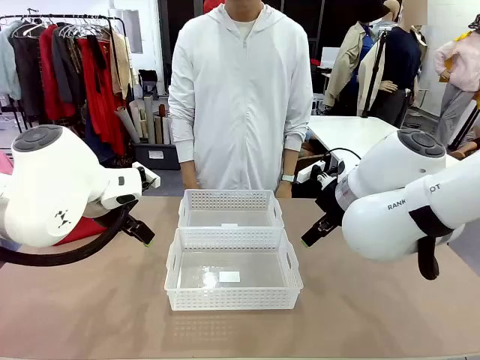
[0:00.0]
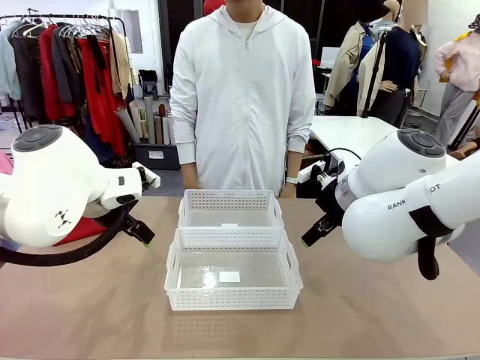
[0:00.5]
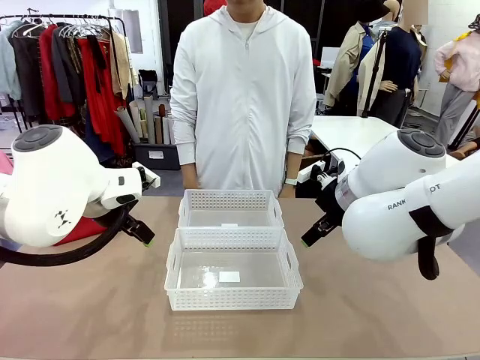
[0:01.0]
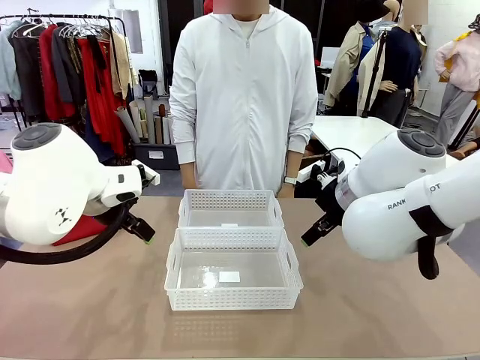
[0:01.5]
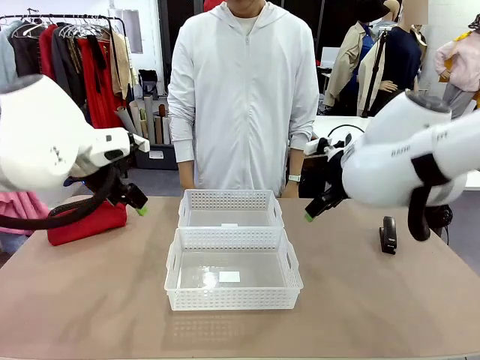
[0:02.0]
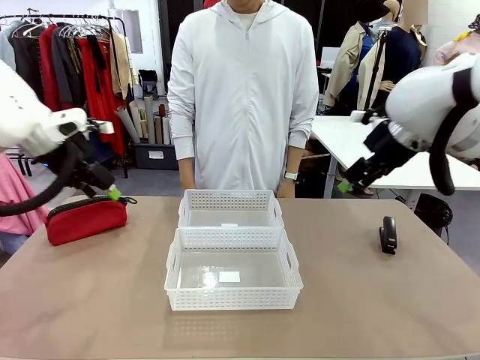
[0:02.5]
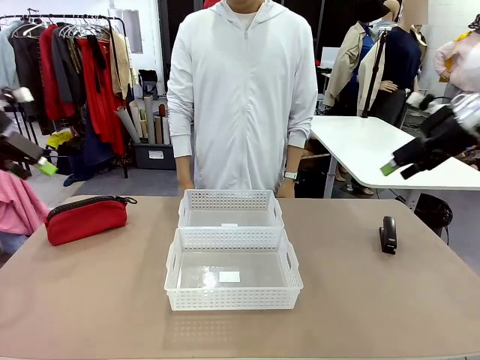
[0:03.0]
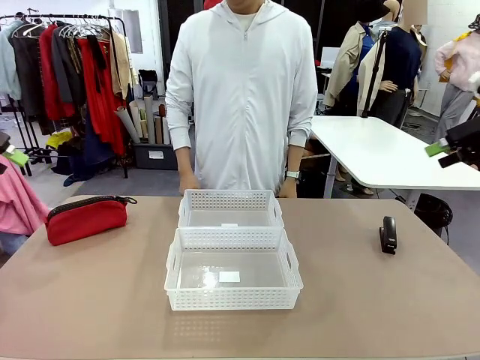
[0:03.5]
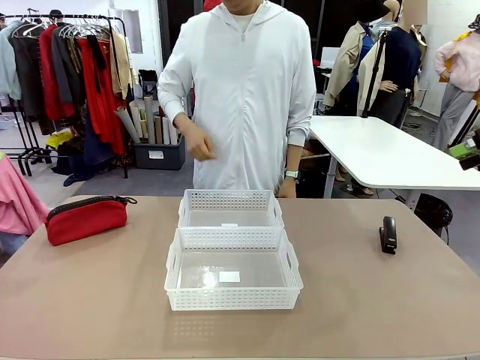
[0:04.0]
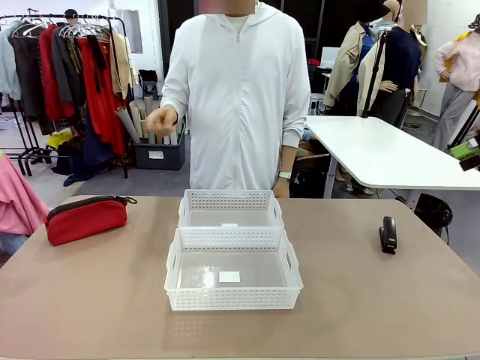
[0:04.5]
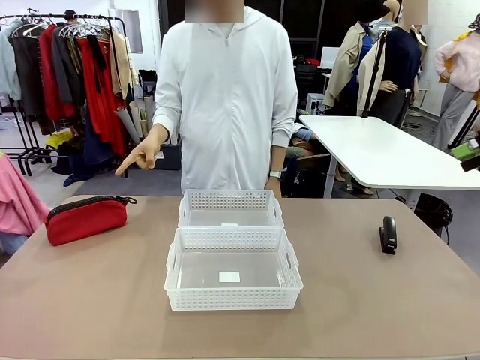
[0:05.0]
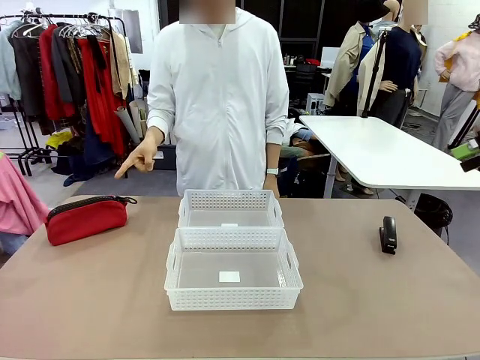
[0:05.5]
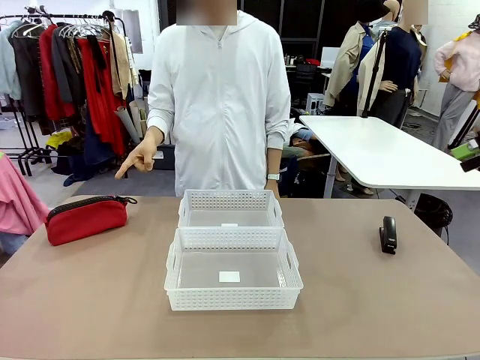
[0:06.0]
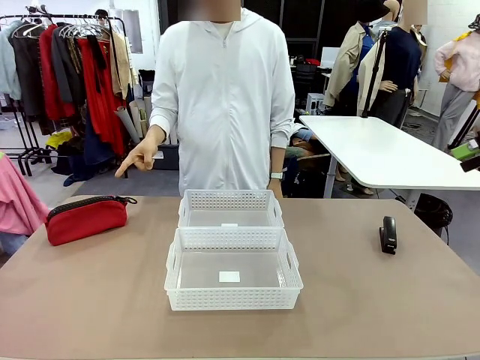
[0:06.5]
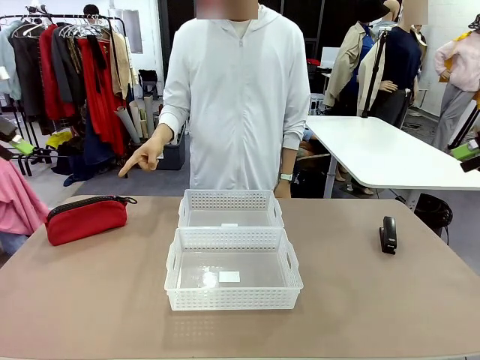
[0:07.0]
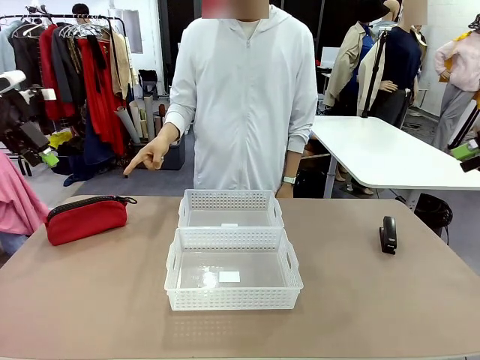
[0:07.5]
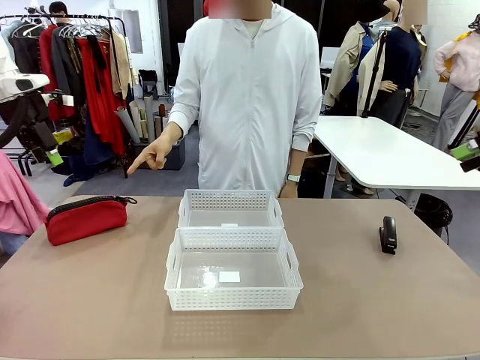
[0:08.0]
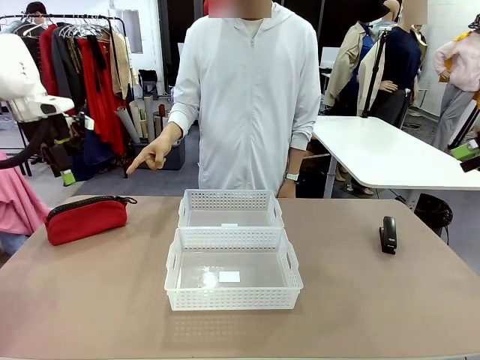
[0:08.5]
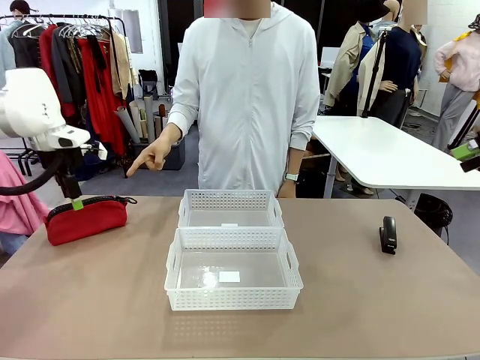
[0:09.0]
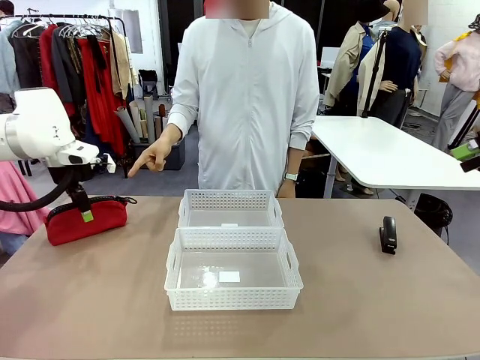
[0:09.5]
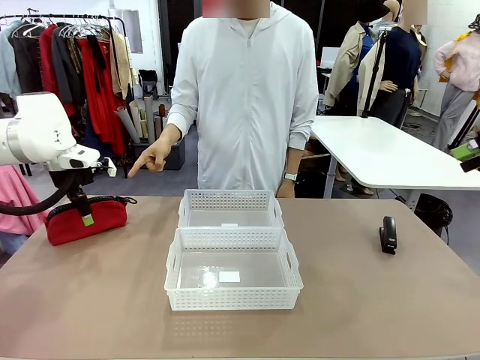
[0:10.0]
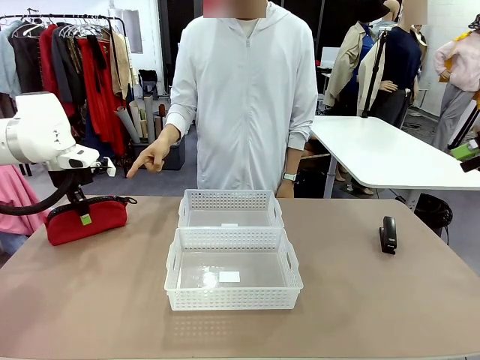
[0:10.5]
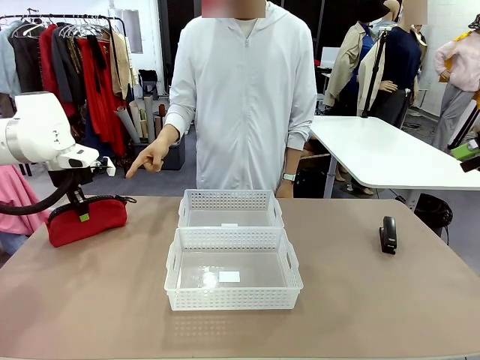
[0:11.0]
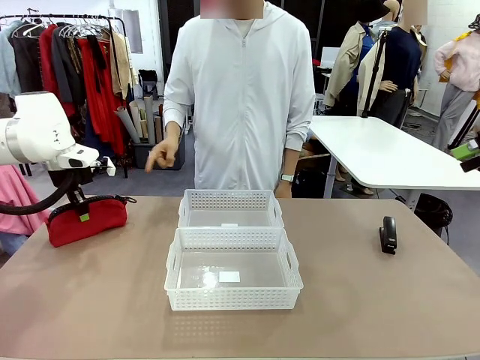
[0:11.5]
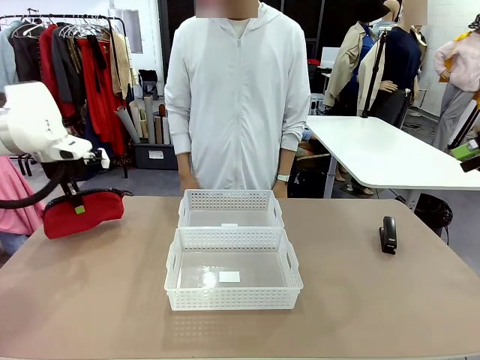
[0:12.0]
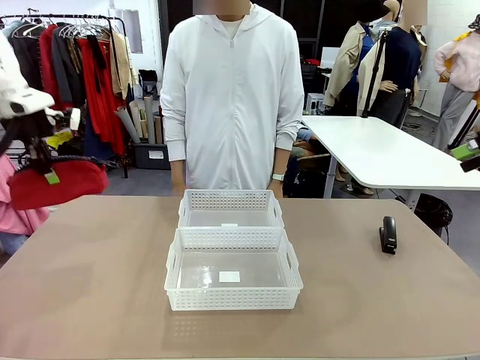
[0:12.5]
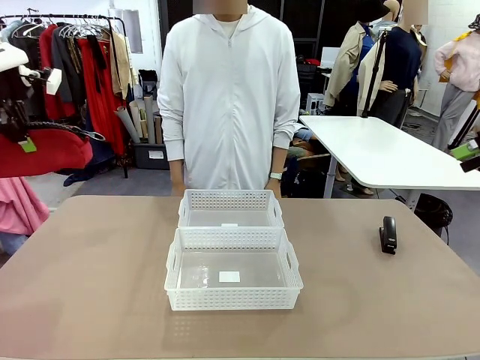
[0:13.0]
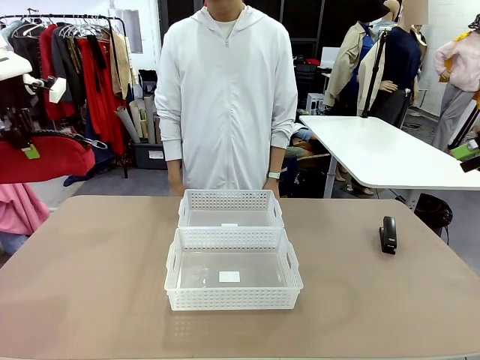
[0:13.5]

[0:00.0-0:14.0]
Task: Distribute items into two baskets.
Robot: Pick up the Pencil pouch that the person points to.
Person: Points to the pencil case. Points between the two organizing baskets and instructs the robot to move the pencil case.

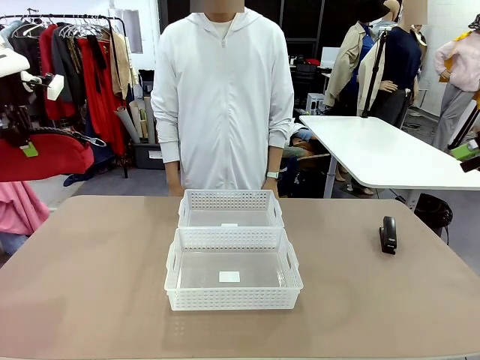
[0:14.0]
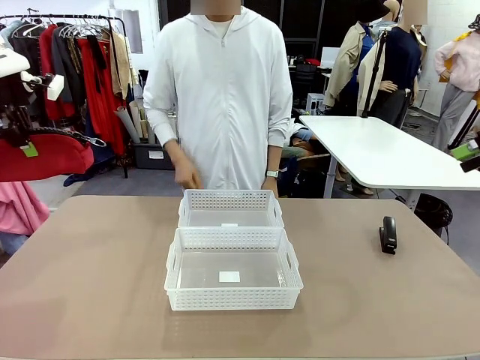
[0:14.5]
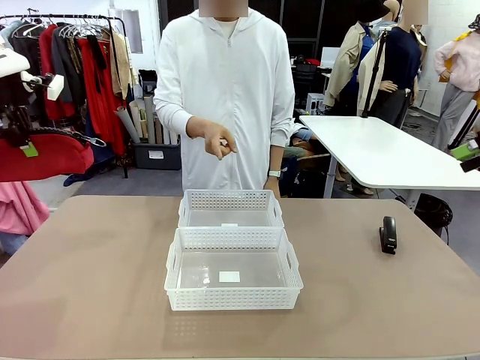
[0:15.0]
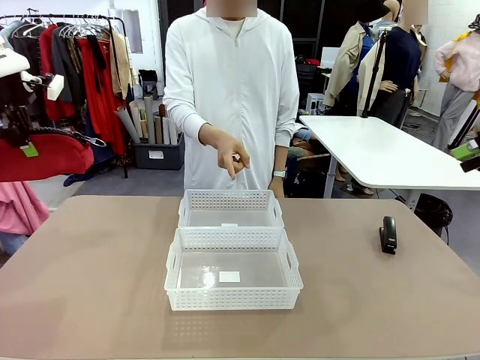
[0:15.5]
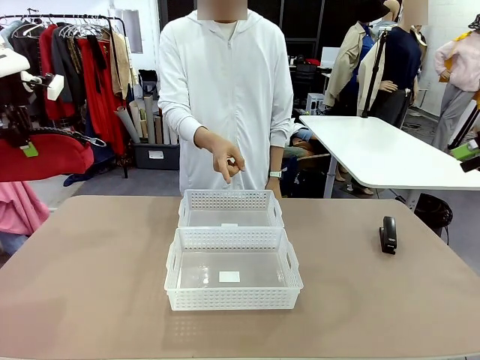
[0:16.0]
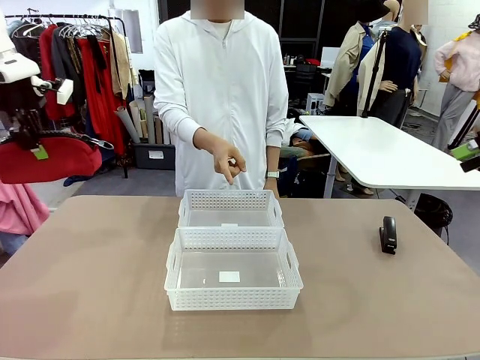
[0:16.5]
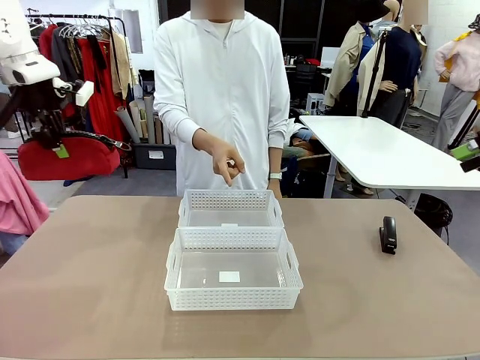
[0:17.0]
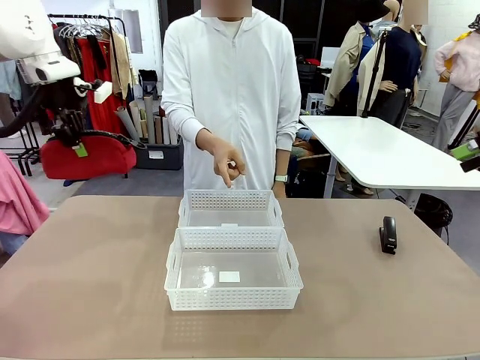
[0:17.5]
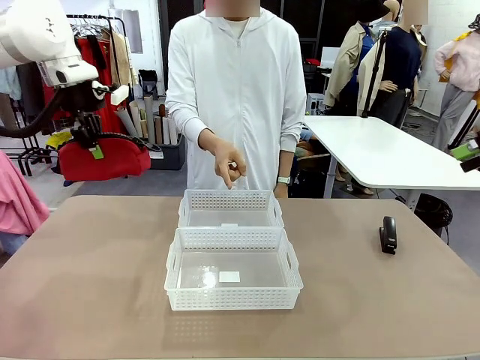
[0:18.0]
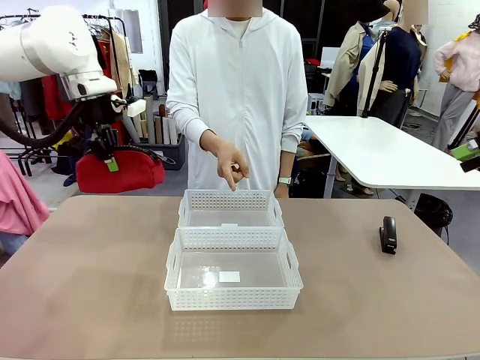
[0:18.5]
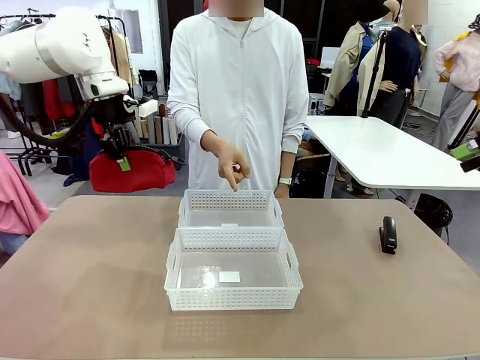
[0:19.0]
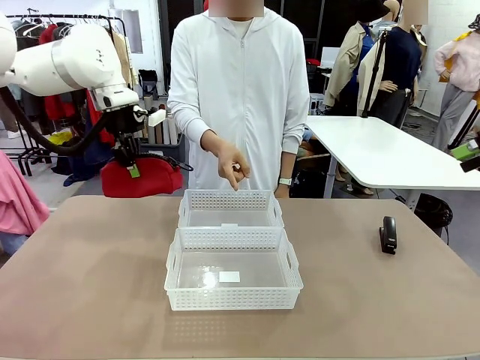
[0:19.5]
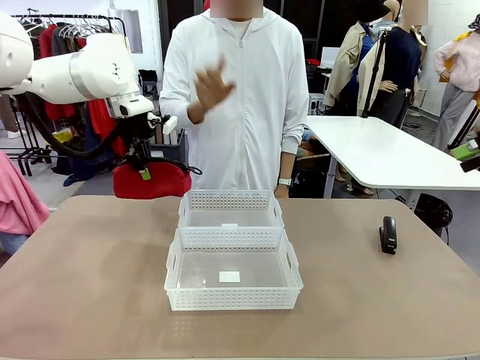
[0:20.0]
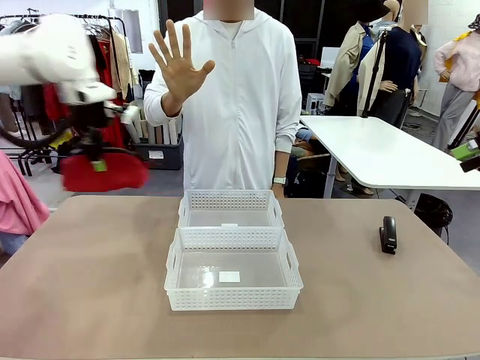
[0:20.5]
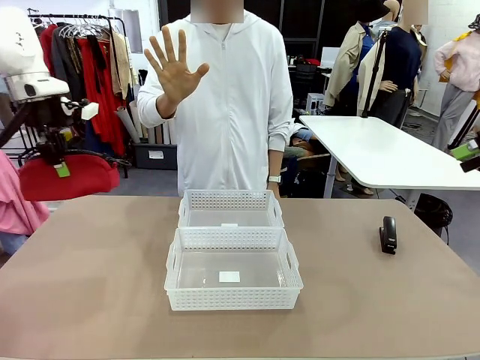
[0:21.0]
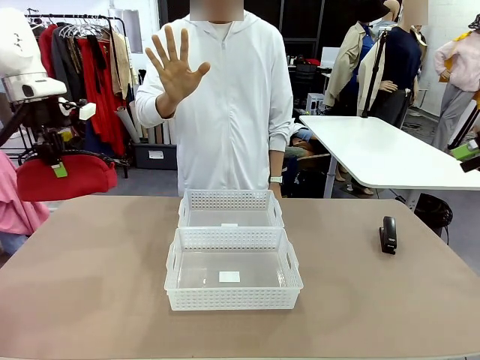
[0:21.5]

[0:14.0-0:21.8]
Robot: Move the picked Pencil pouch towards the Organizing basket indicated by the person, stopping as directed.
Person: Sends a stop gesture before the robot places the pencil case into the basket.
